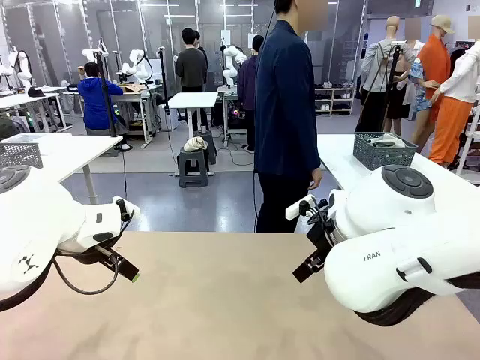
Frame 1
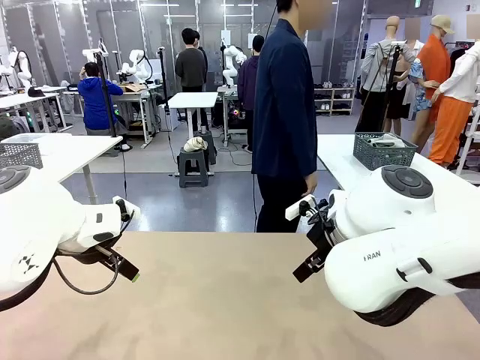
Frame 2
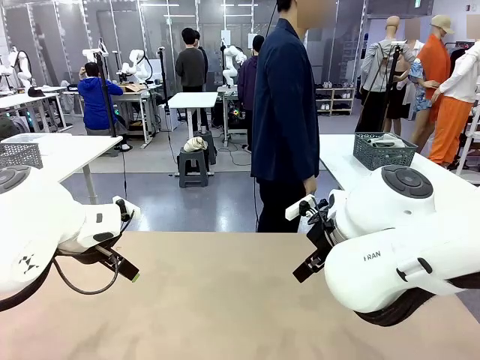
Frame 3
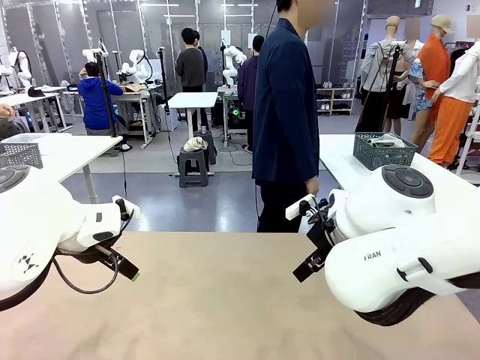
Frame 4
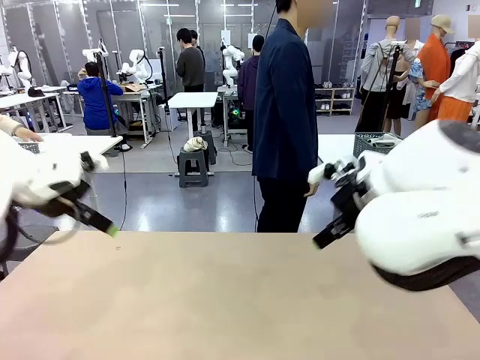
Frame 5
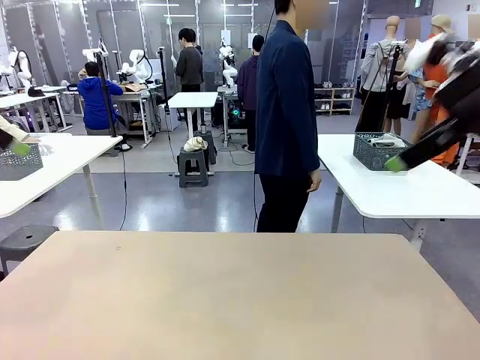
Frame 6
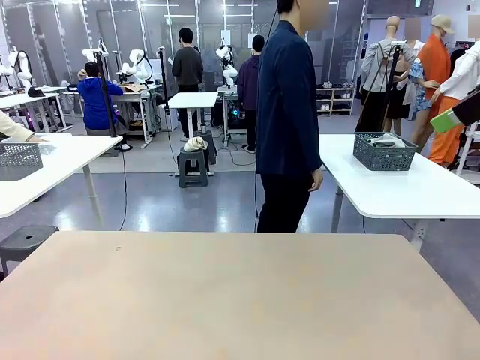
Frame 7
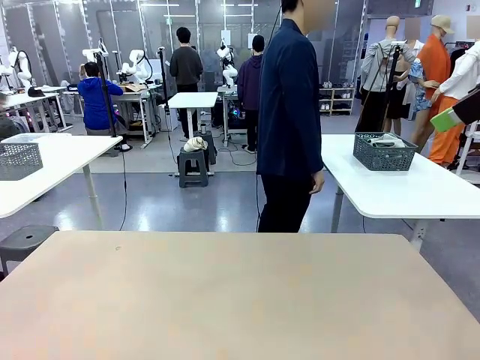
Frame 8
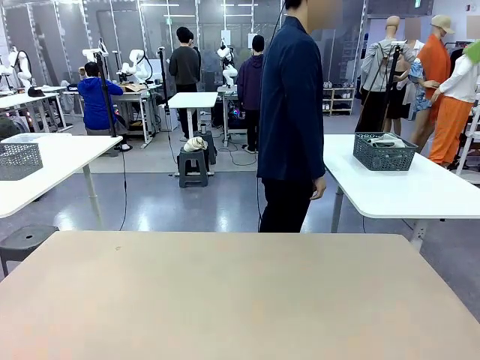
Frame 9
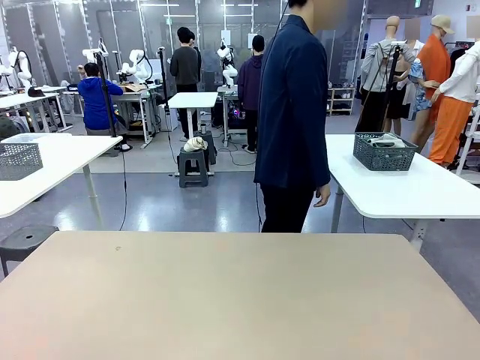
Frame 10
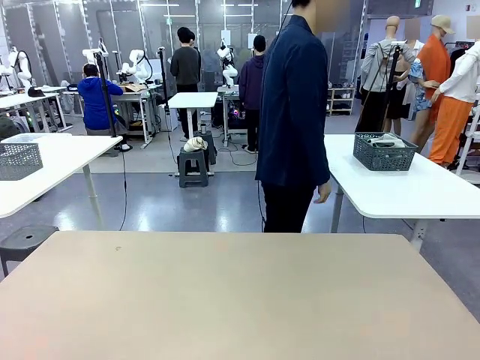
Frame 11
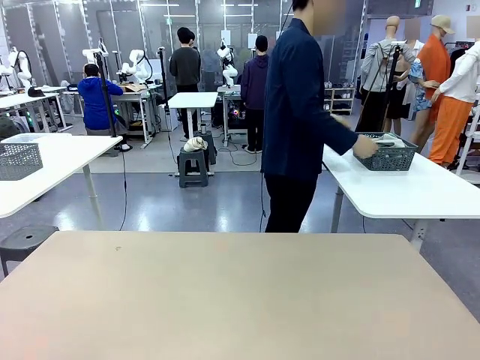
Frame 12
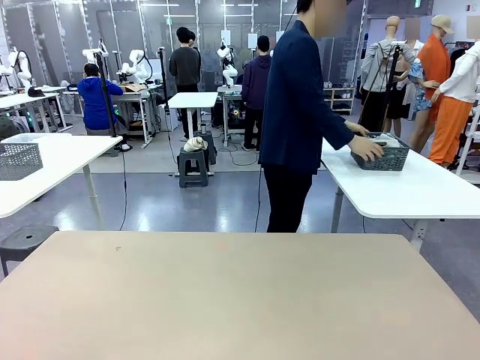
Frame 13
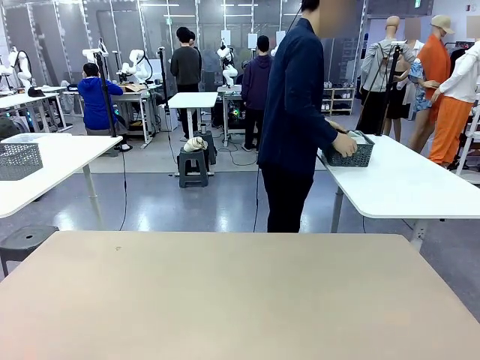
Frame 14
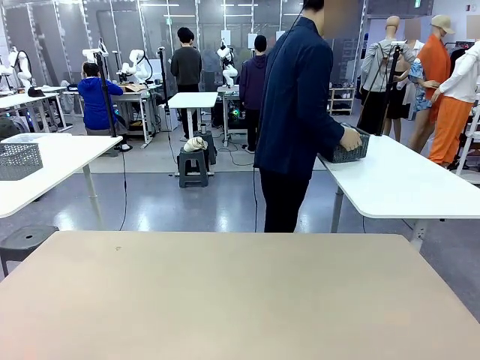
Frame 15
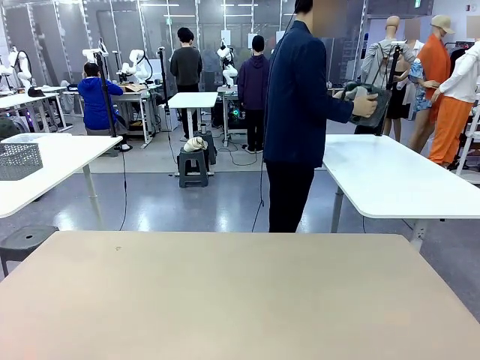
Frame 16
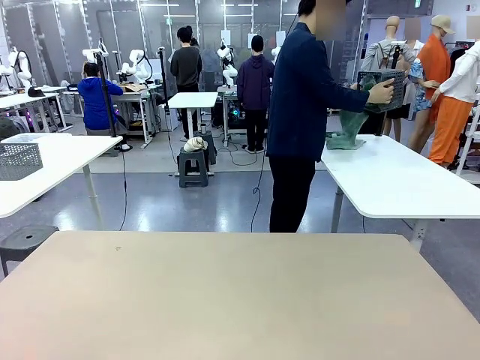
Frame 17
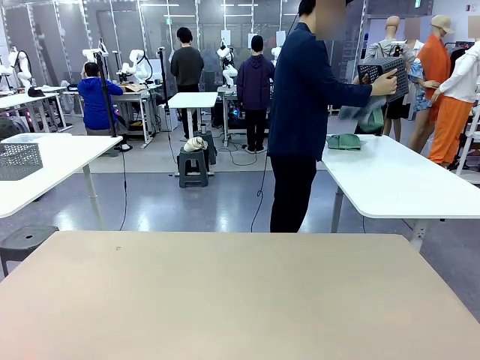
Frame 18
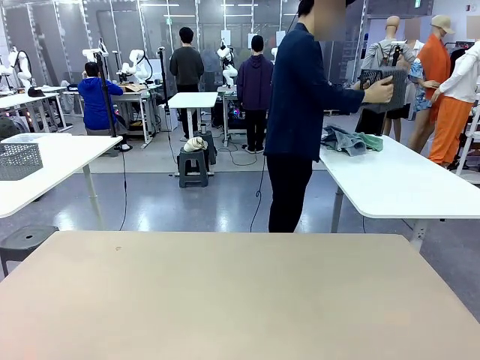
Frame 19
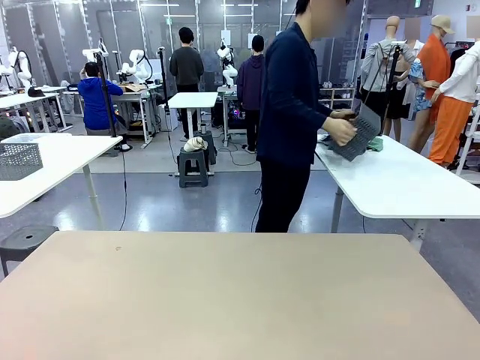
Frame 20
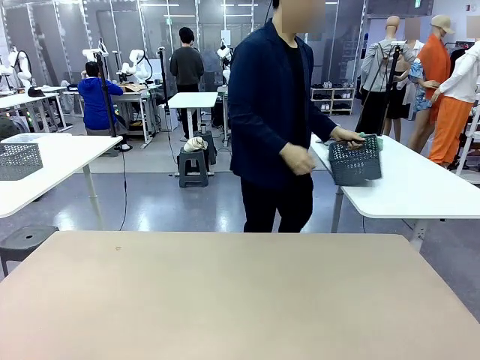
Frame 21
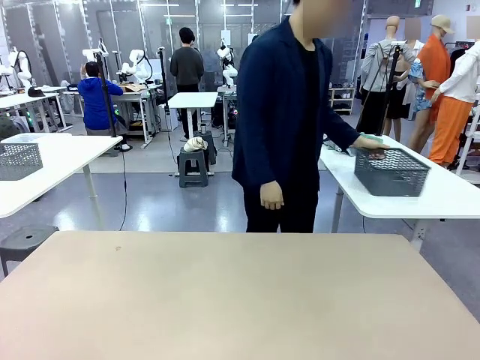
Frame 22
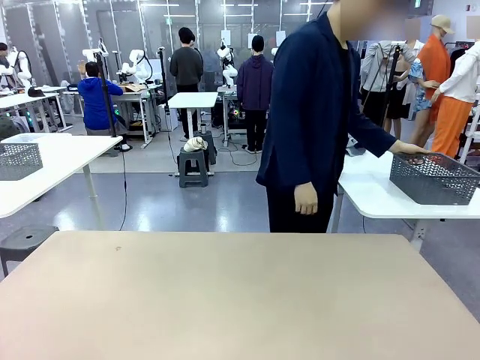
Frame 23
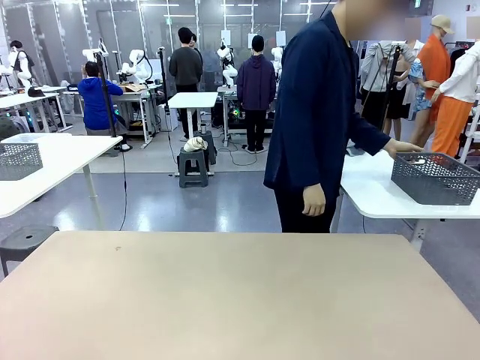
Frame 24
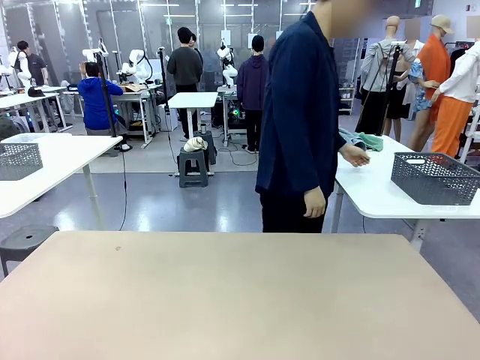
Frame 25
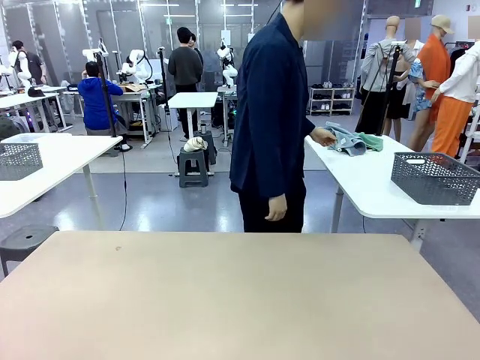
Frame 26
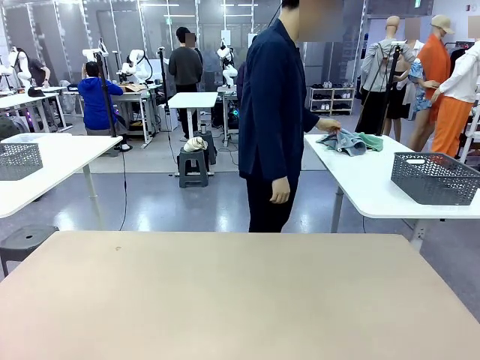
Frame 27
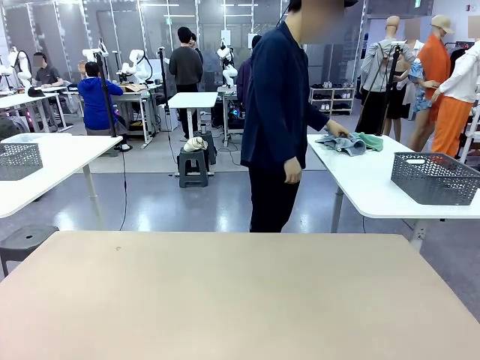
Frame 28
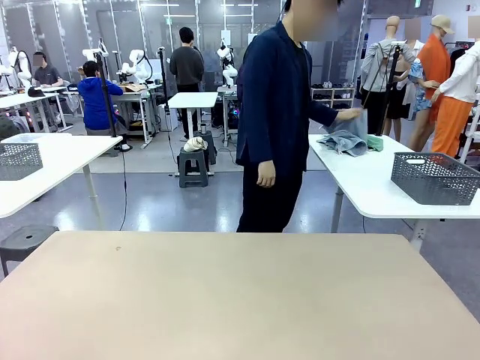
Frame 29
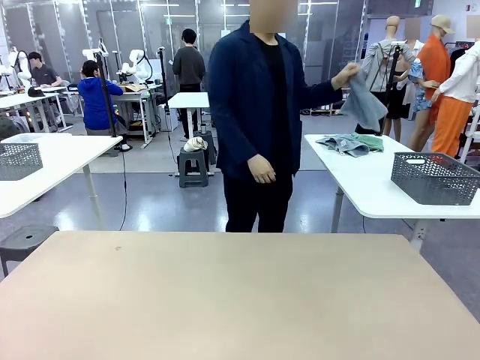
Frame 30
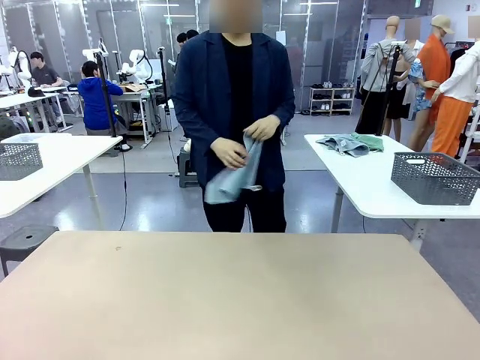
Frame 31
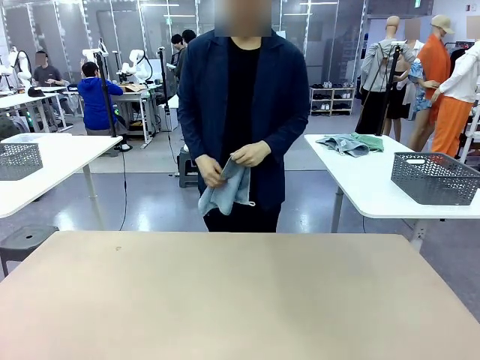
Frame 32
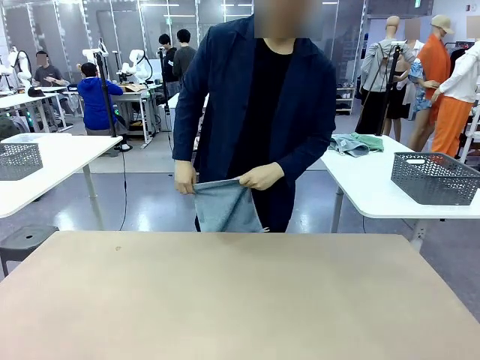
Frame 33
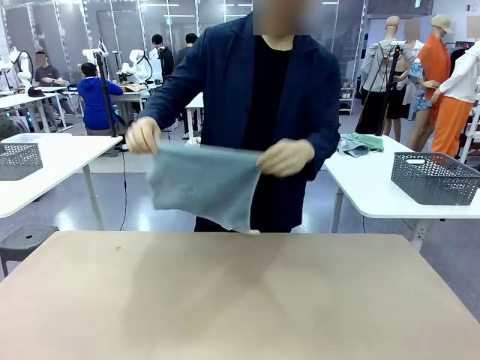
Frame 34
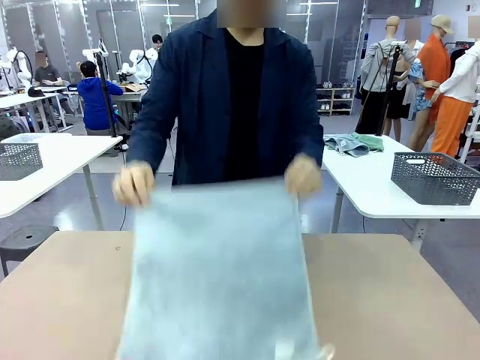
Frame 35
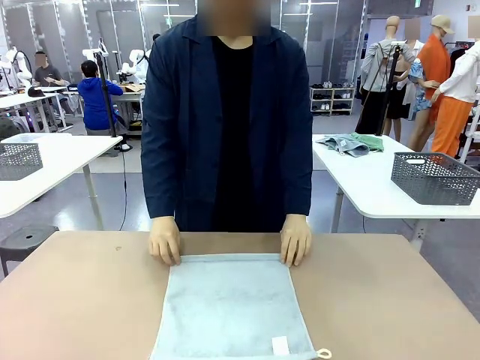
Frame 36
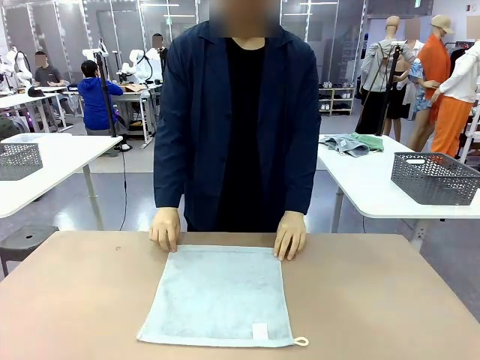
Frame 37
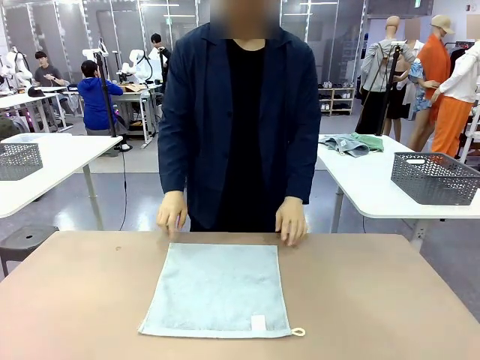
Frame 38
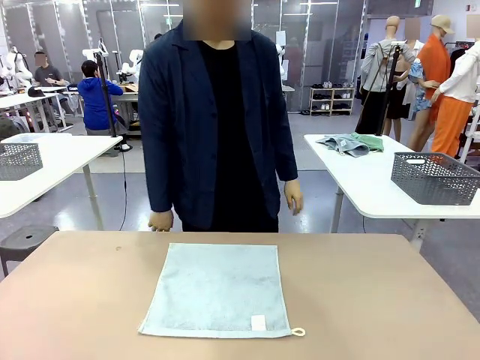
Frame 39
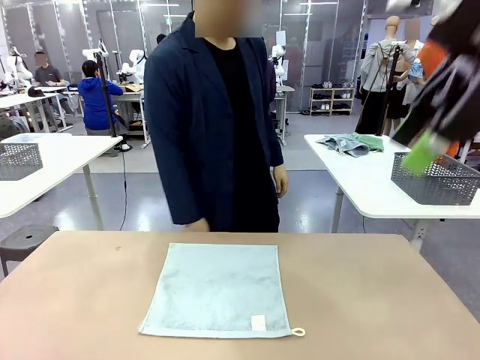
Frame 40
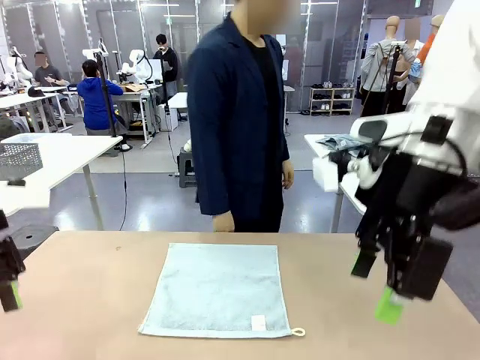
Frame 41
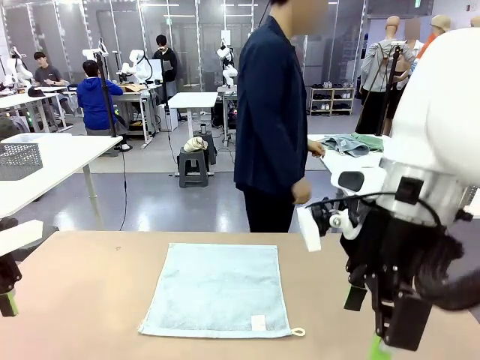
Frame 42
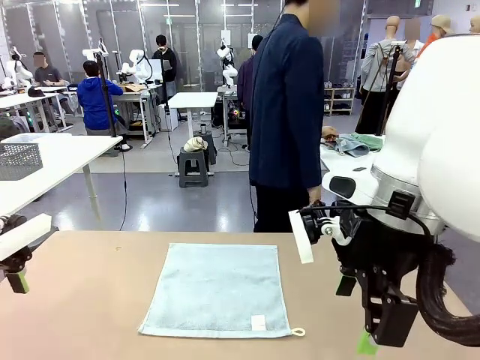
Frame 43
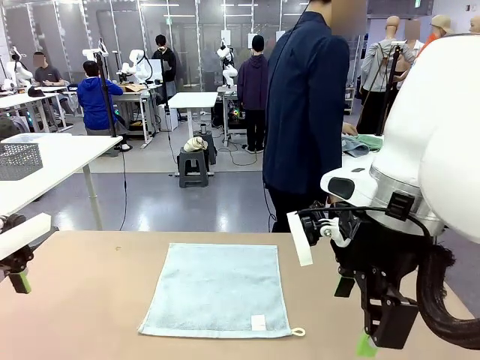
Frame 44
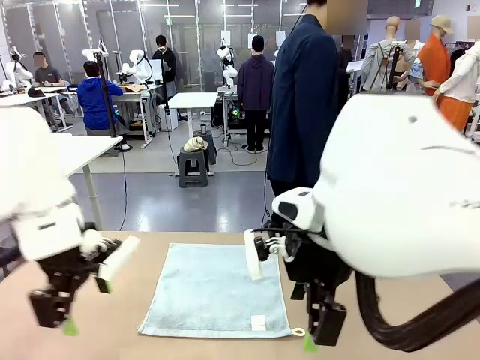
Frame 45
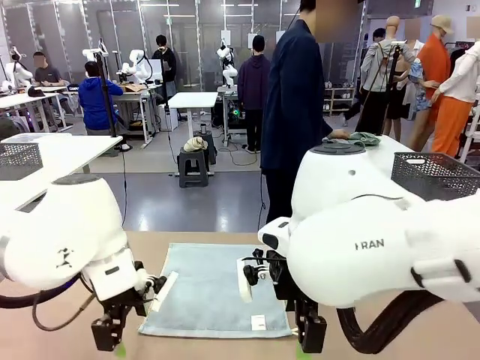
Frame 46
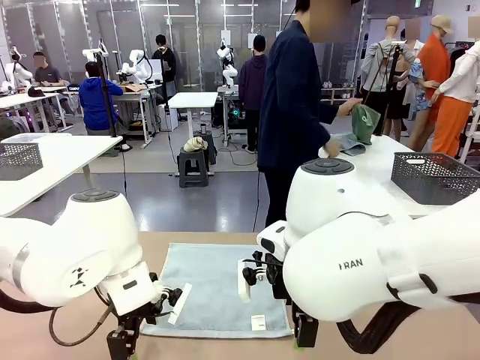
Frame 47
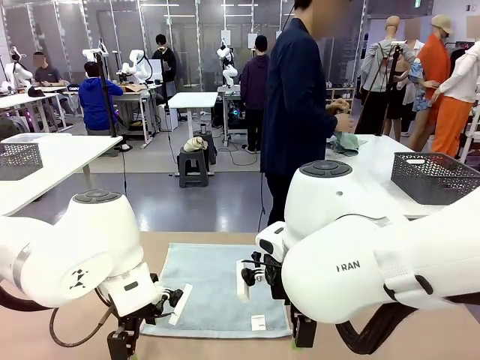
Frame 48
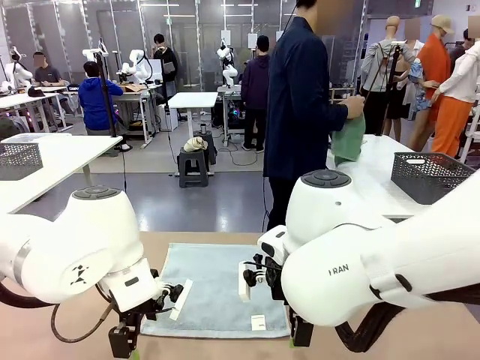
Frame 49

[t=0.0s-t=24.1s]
Task: Fold the towels and place them in the basket.
Robot: When a person lays out a Towel with hook on the table, fold it in half twice.
Person: Pick up the basket, pour the towels onto the left side of the human table, and place the basket on the right side. Pick up one towel and spread it out at the center of the robot table.
